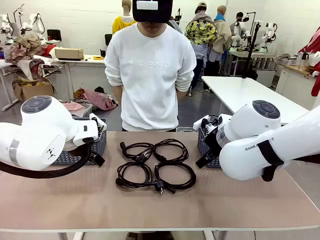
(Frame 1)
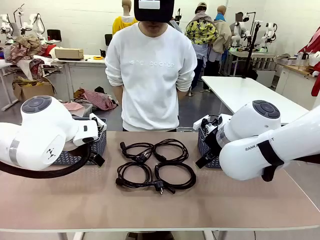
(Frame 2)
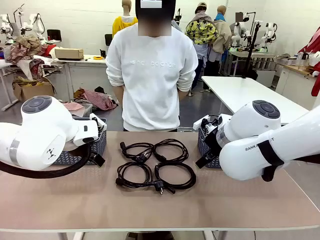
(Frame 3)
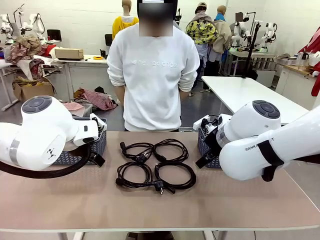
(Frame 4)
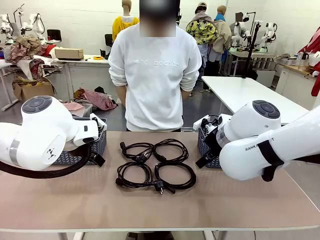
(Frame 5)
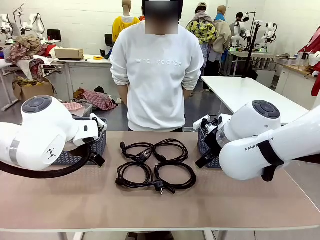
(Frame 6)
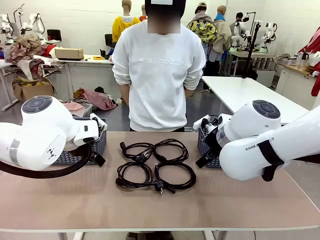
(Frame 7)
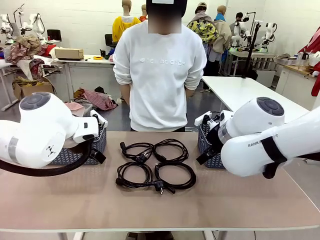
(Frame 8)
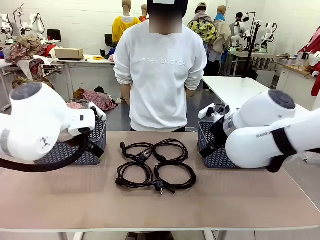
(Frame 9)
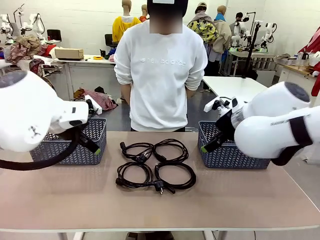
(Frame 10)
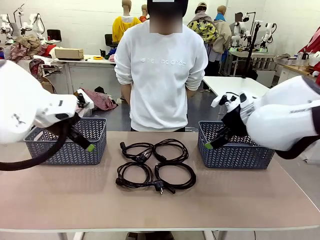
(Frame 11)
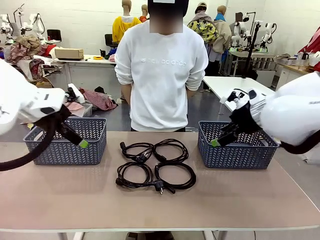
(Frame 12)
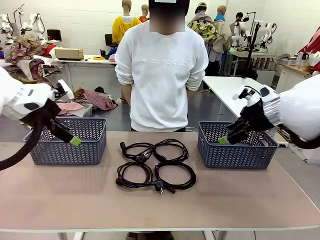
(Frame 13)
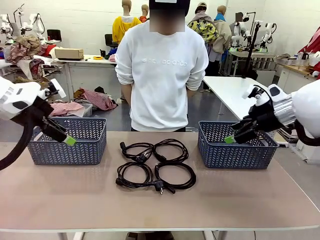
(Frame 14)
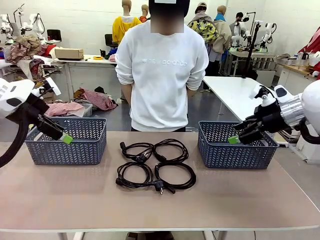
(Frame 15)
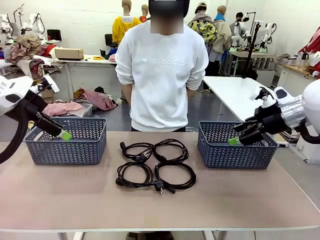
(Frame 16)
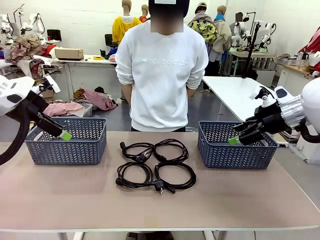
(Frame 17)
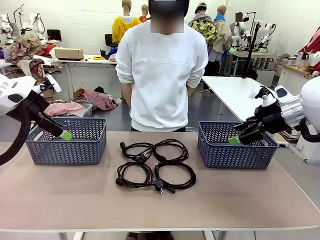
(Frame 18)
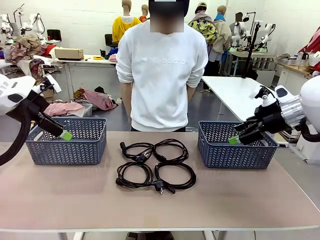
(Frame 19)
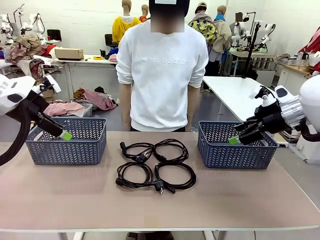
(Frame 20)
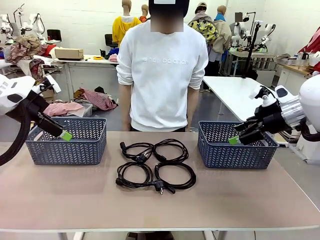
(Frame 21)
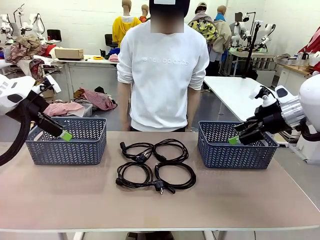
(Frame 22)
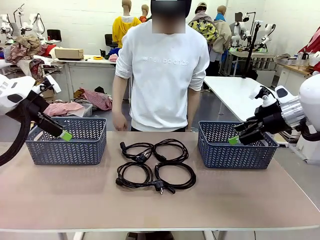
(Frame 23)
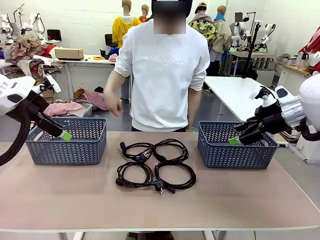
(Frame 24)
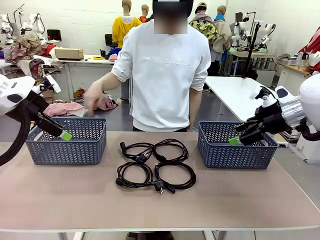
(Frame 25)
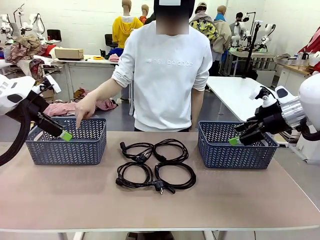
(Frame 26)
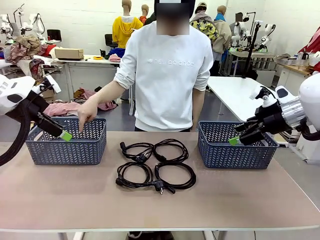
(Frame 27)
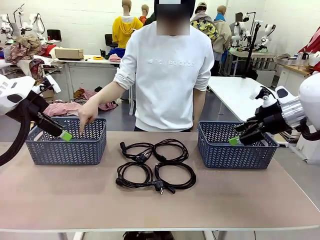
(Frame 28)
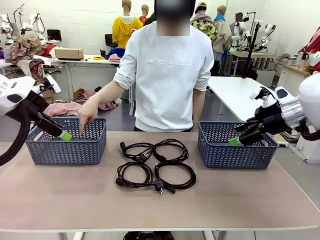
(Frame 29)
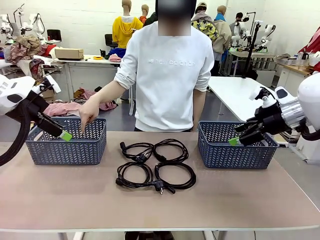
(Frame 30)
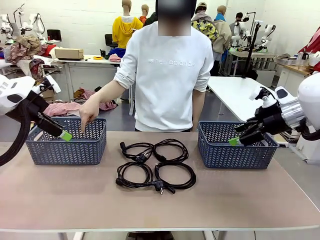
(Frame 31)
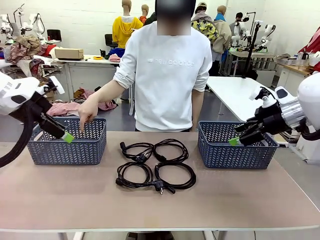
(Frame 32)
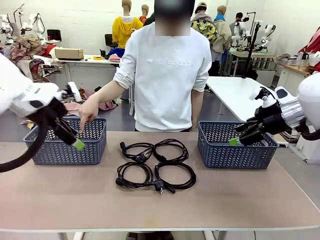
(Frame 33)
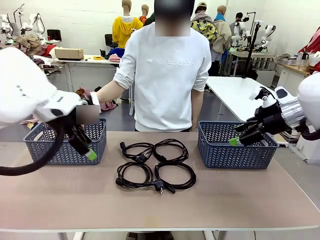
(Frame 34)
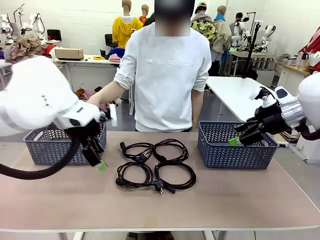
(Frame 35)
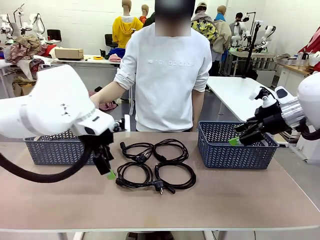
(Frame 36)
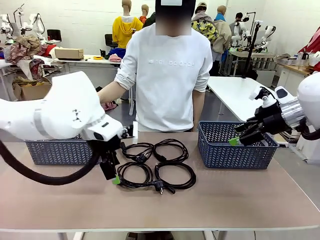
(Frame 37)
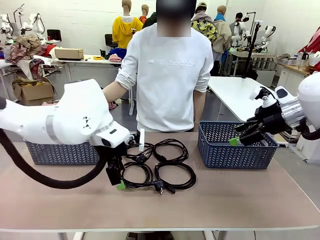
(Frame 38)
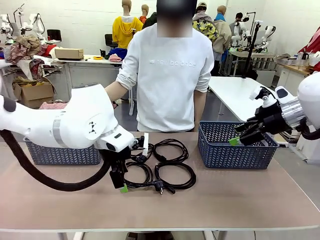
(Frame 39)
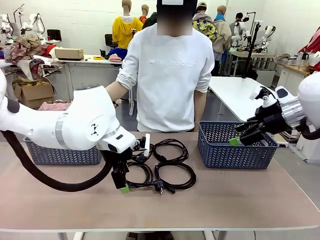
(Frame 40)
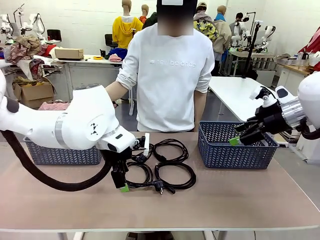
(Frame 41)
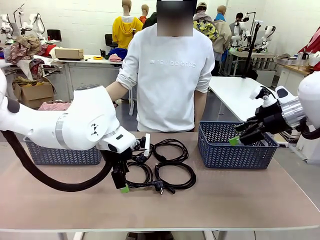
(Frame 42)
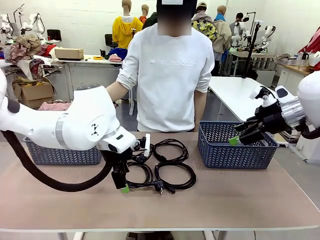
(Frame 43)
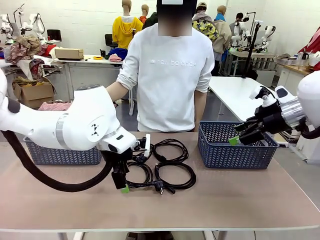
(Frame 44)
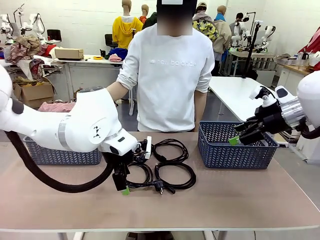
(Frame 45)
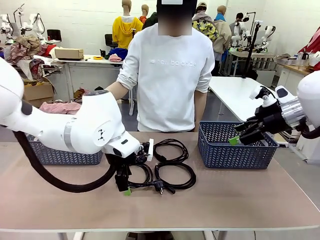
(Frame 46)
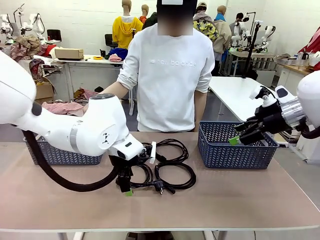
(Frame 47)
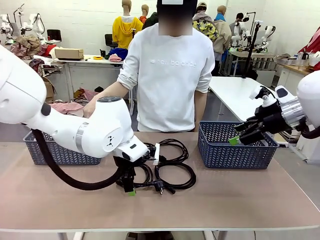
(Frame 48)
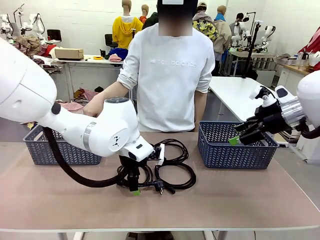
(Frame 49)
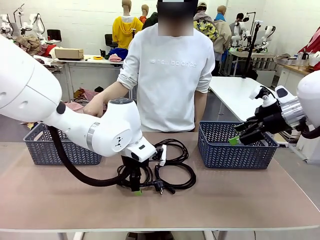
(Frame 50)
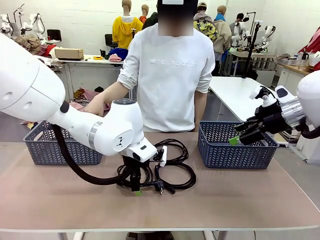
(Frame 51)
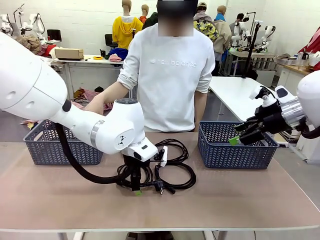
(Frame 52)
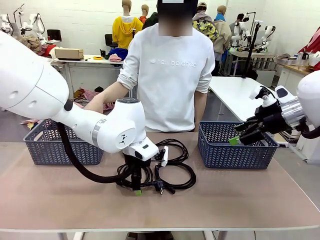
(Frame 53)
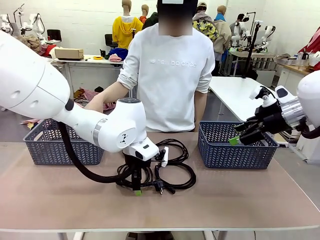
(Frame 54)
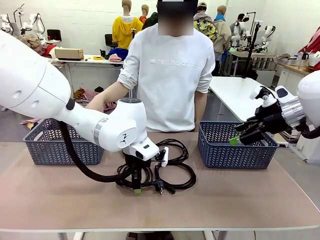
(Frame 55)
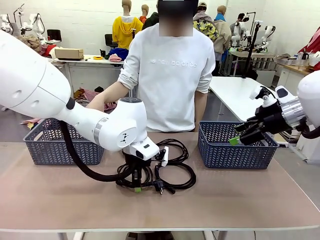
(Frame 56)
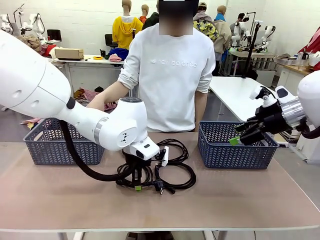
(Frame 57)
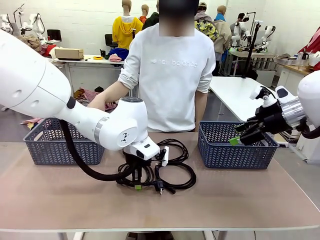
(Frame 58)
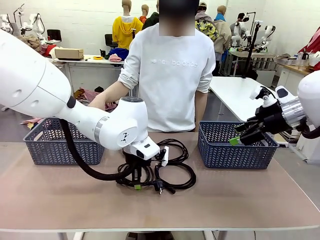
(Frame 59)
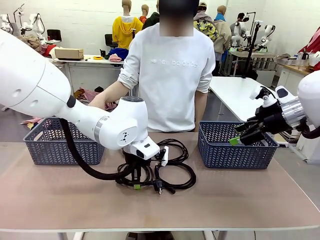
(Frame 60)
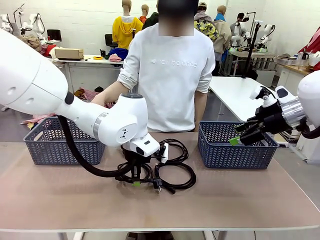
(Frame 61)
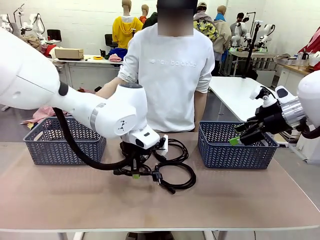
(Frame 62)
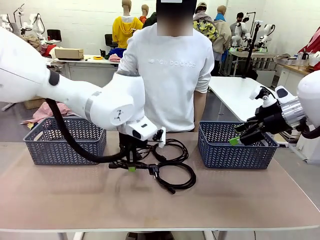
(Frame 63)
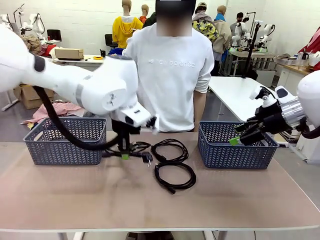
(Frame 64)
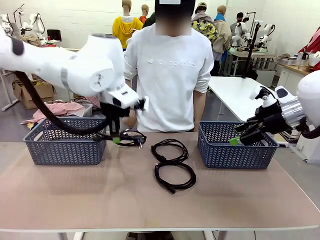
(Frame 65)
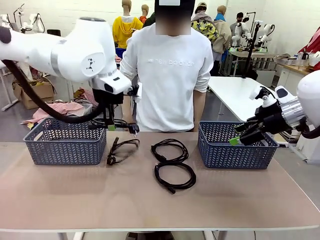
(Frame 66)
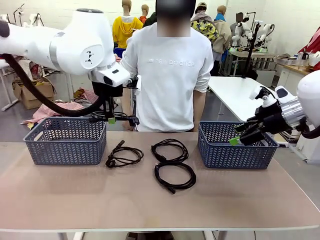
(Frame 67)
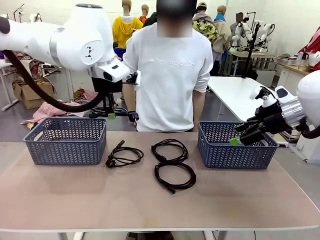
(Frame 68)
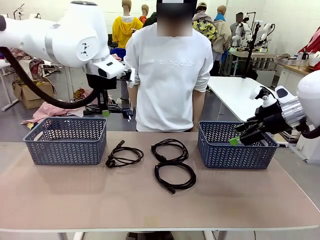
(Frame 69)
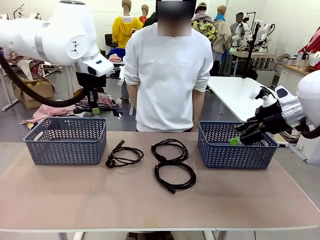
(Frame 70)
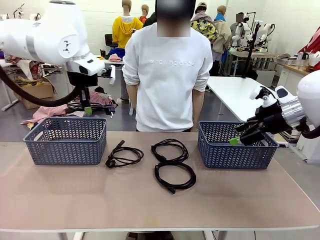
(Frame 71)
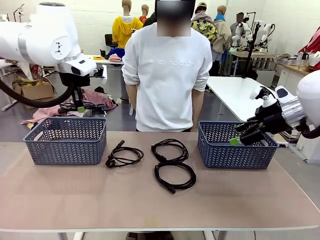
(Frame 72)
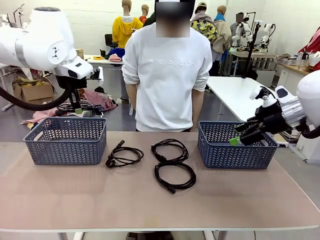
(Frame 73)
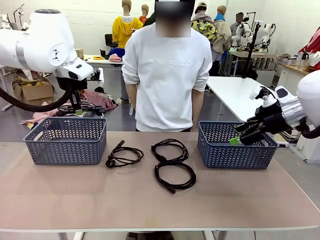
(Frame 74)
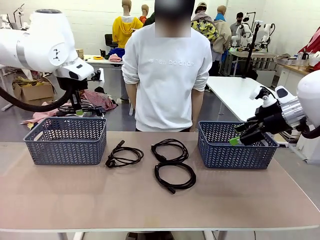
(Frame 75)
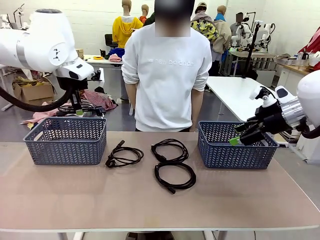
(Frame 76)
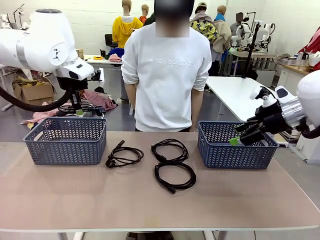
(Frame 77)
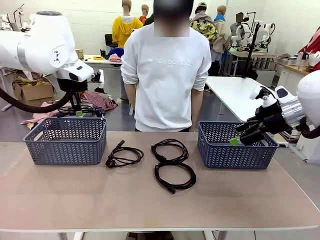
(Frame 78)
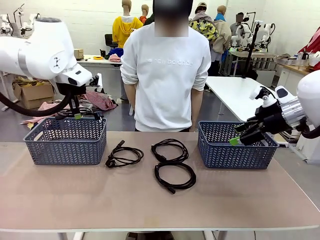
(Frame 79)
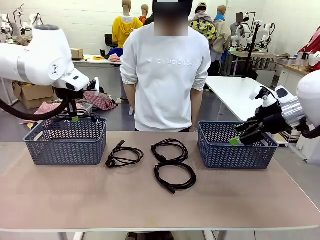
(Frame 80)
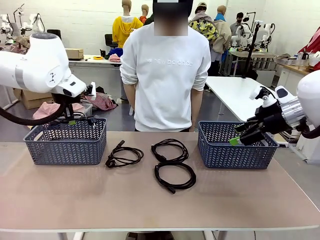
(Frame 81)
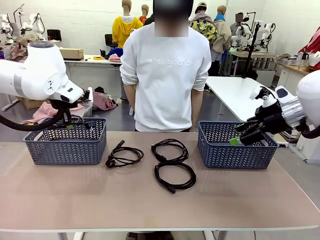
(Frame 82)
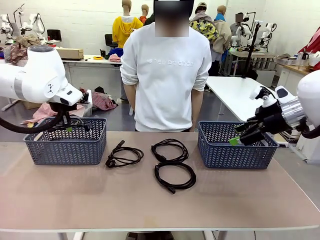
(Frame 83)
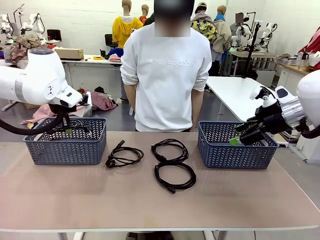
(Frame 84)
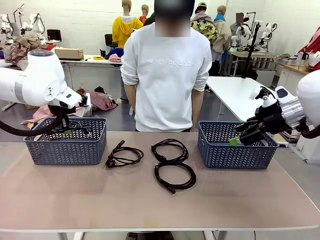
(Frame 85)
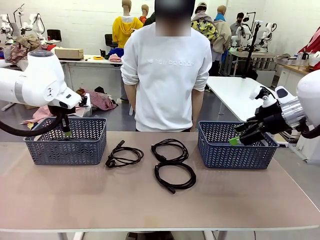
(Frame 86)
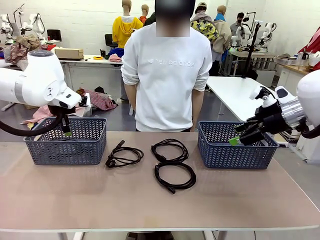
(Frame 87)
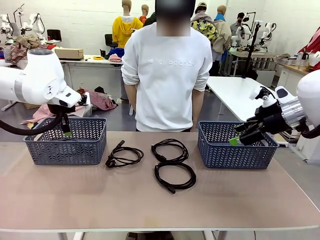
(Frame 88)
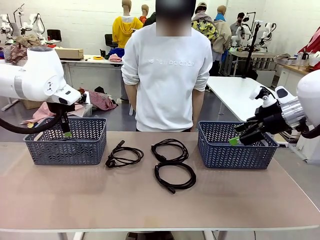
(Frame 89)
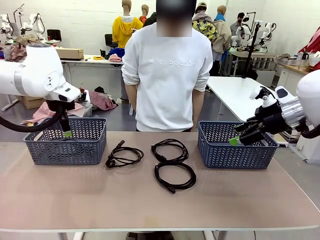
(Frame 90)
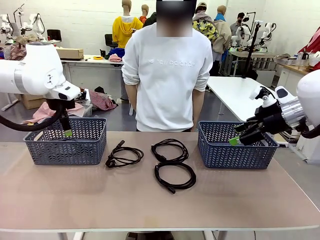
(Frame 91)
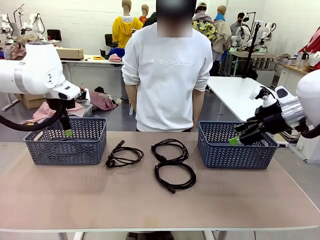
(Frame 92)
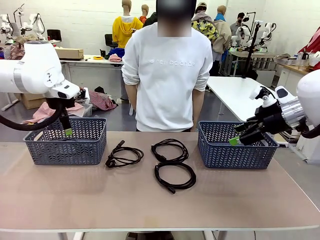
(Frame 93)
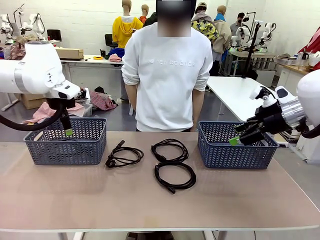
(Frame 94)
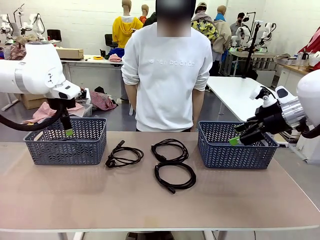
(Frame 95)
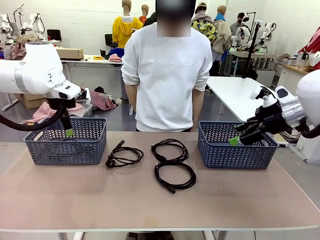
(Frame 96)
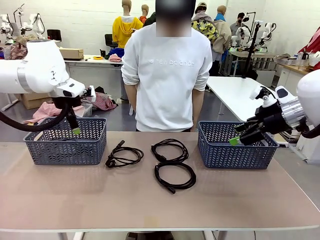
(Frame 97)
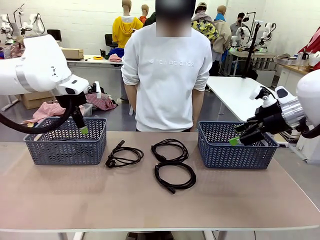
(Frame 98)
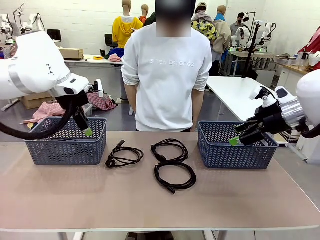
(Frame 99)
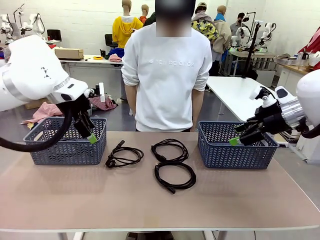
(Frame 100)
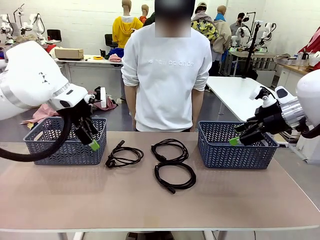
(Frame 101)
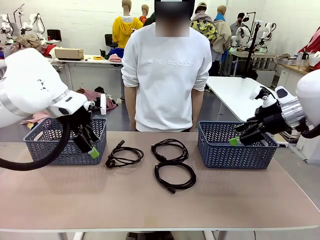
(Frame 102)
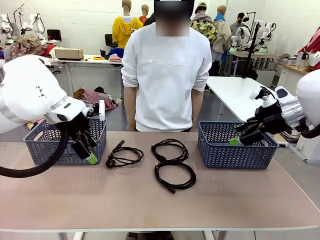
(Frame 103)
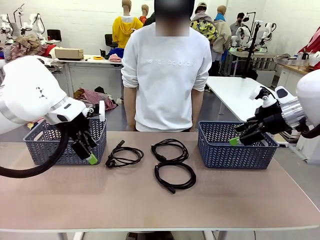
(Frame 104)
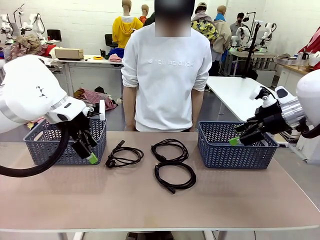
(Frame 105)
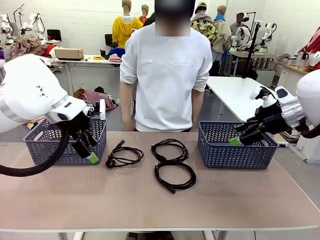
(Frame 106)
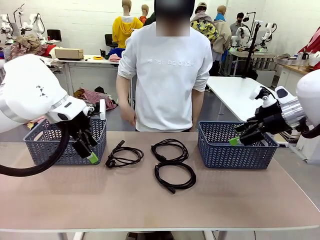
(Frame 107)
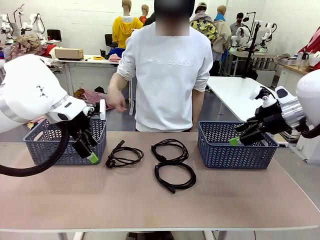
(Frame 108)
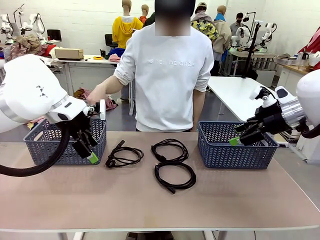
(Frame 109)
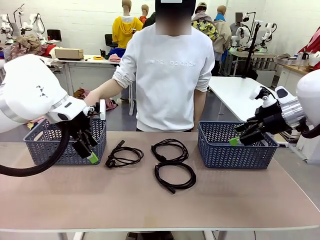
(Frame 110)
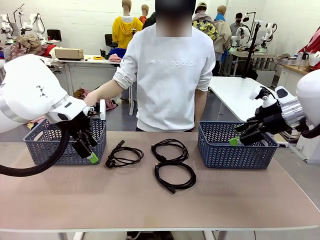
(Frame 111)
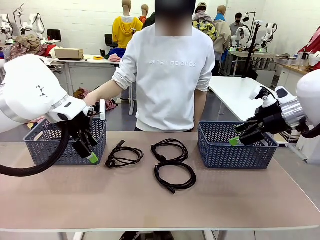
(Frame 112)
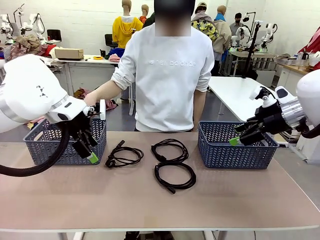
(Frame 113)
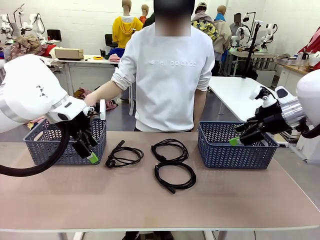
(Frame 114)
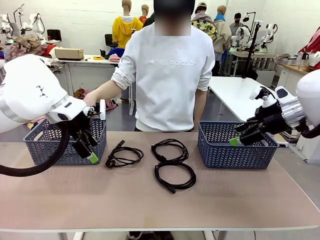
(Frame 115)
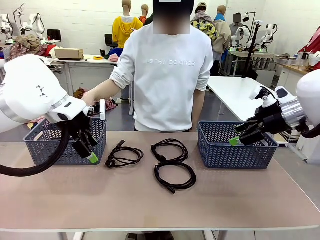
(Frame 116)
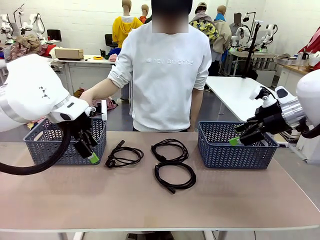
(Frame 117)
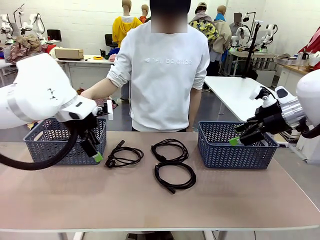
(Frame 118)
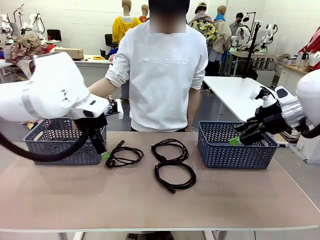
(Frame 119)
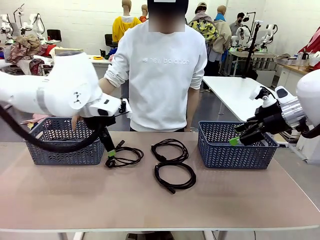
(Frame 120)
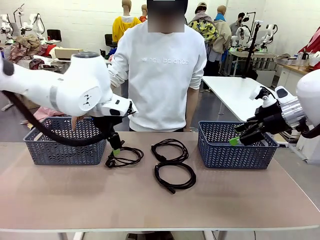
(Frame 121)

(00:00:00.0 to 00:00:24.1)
Task: Organize the cables according to human instructions.
Robot: Pick up a bundle of cables and place it in the basket indicated by the human.
